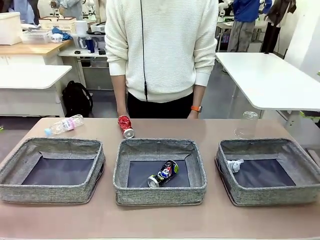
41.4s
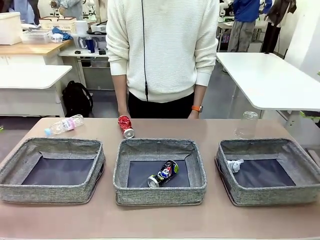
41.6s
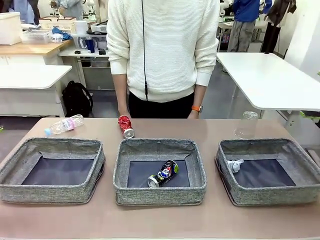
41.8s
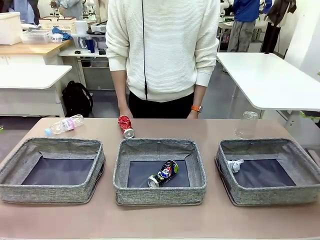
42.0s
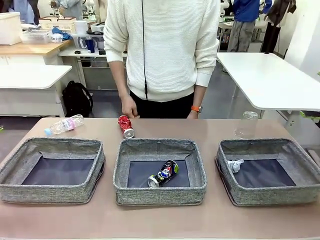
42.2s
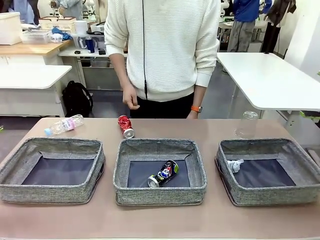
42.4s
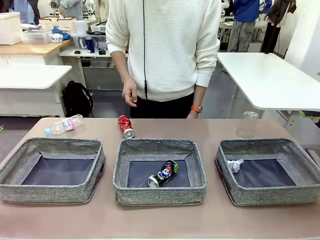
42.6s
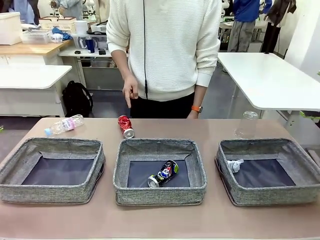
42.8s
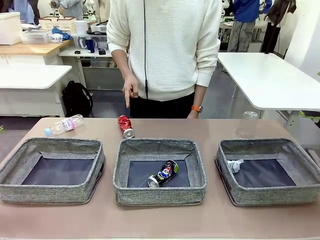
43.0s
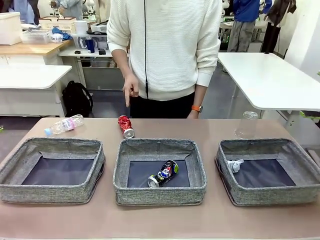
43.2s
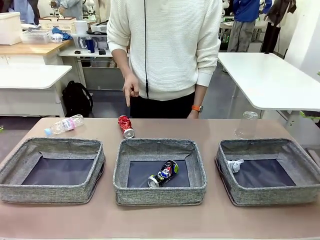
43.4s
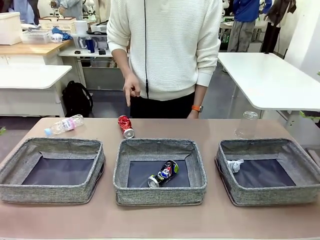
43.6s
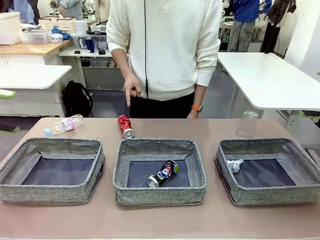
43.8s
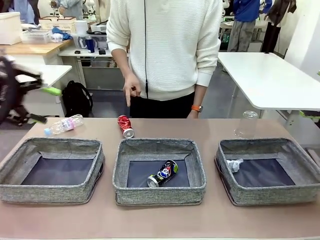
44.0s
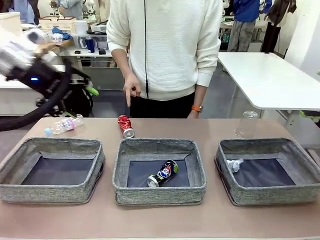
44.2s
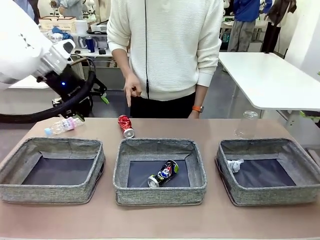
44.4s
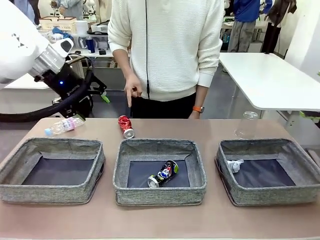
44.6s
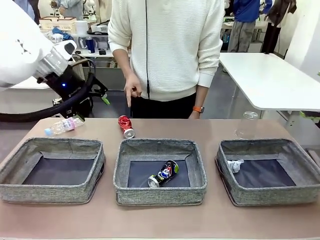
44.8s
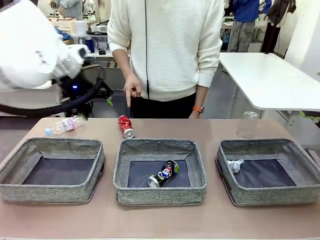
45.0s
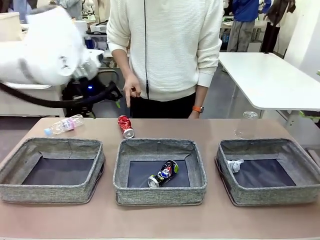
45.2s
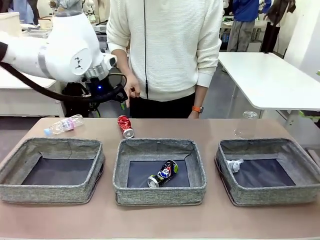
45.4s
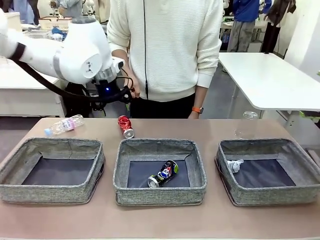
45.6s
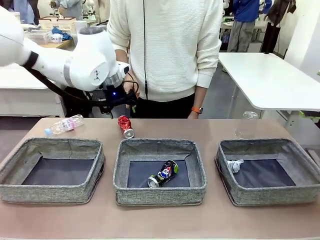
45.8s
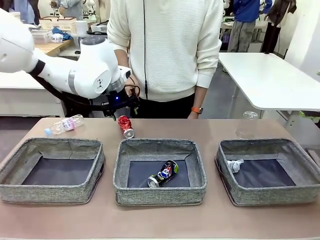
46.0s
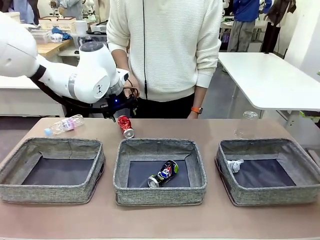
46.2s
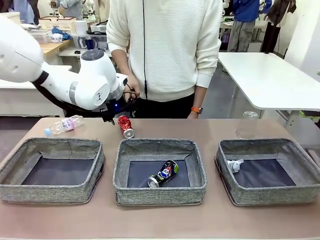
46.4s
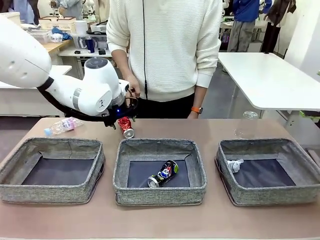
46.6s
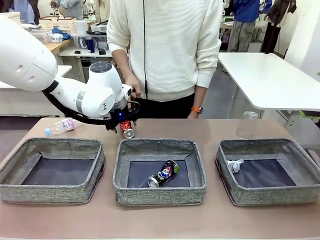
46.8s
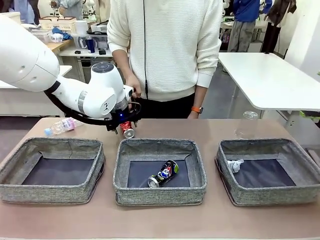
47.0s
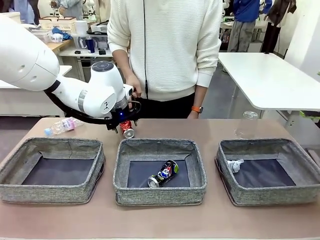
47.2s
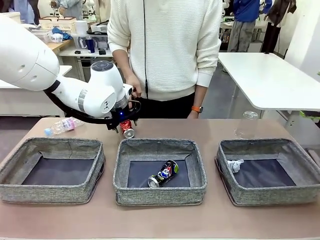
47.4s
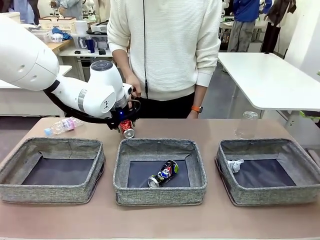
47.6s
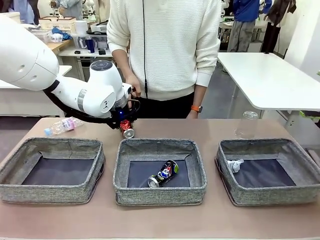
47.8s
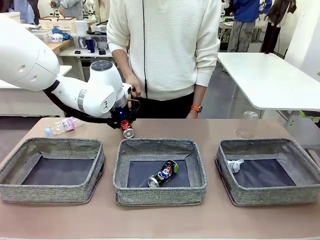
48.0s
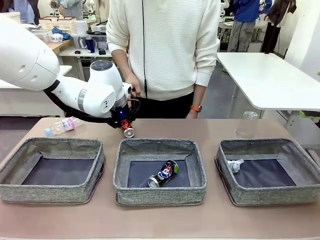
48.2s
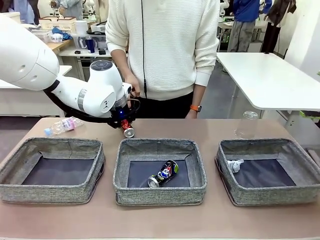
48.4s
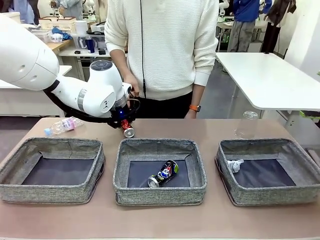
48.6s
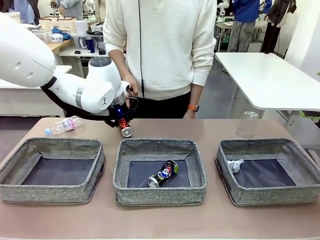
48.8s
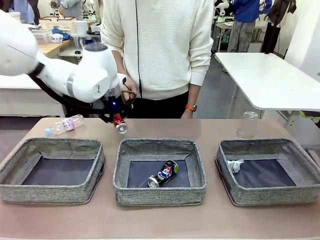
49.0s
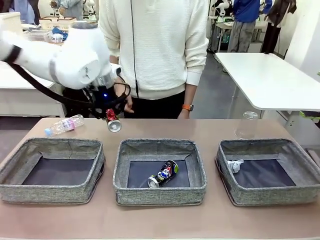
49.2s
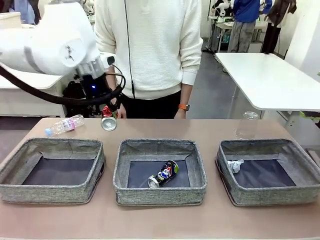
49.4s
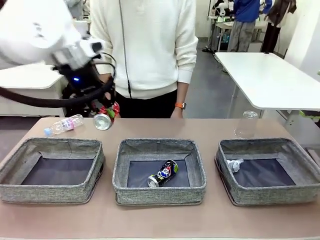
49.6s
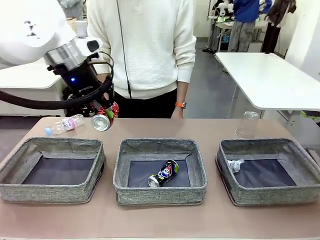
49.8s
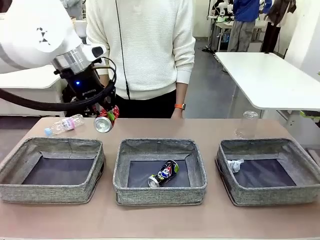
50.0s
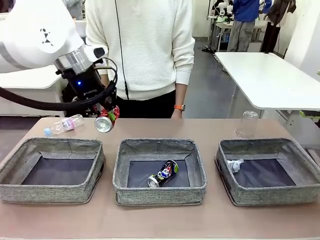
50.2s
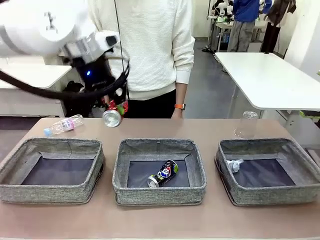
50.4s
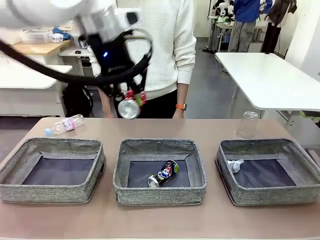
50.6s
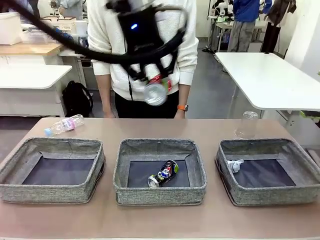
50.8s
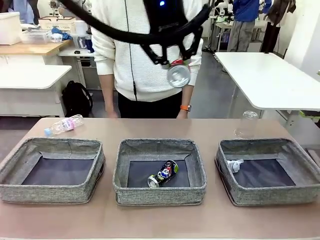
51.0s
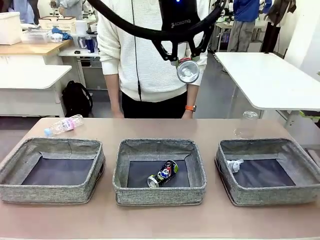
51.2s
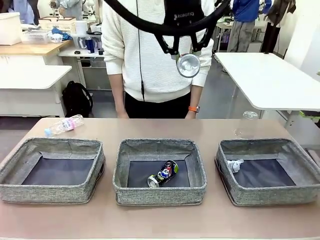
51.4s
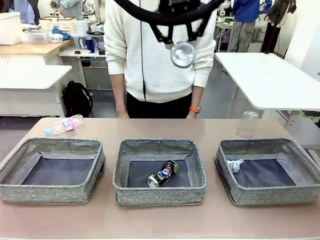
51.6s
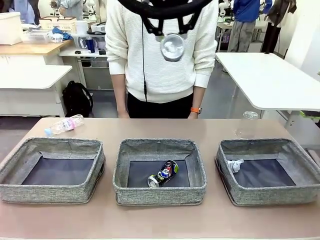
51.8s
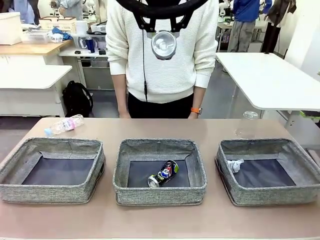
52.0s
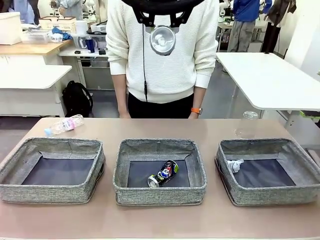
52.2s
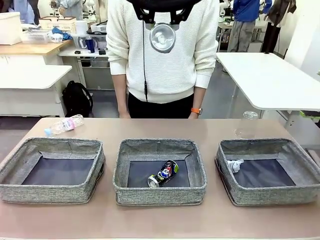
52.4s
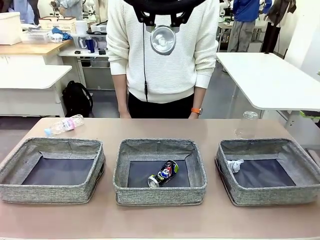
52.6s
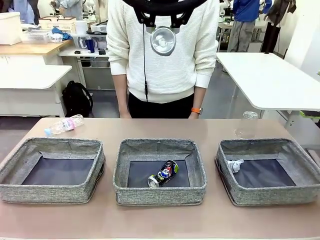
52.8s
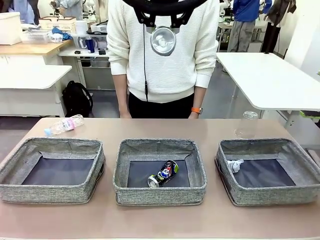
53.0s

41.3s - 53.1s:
Task: Sort the waste into the appropriate baskets.
Robot: Pick up the waste item pointed out by the person.
Person: Points to one piece of trash on the table.

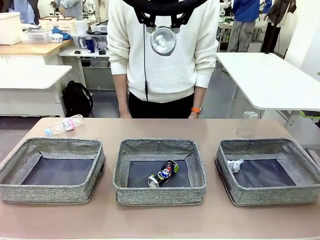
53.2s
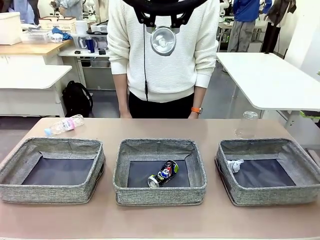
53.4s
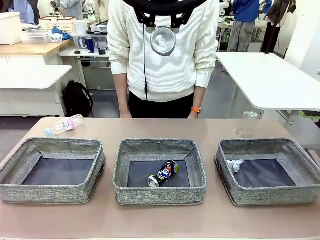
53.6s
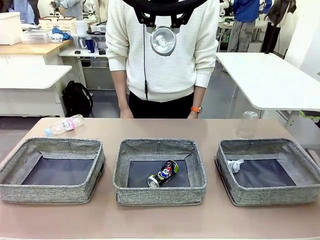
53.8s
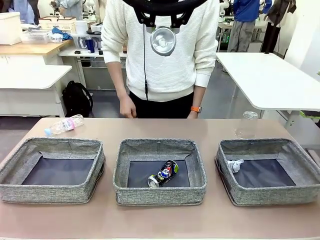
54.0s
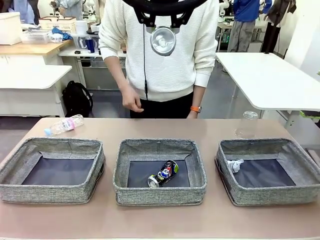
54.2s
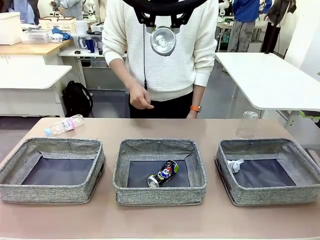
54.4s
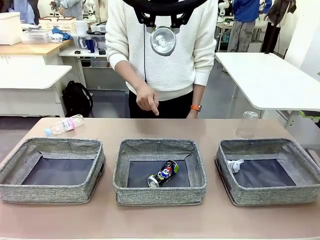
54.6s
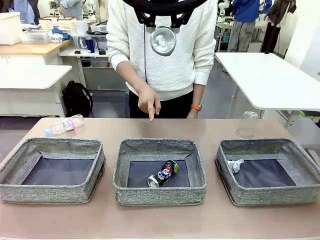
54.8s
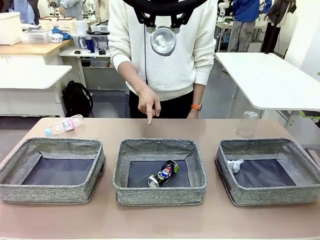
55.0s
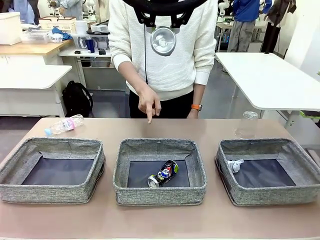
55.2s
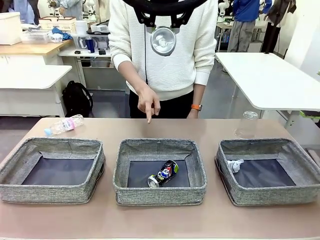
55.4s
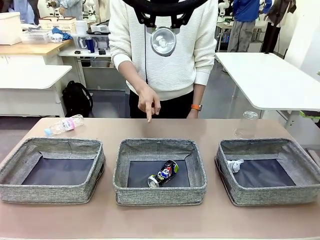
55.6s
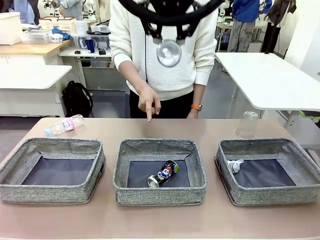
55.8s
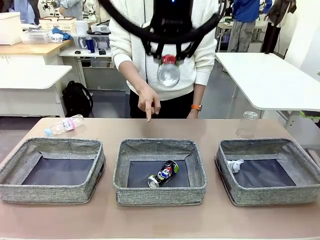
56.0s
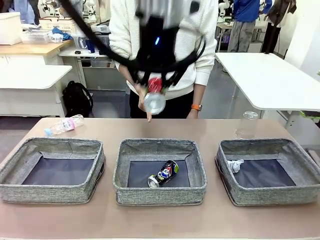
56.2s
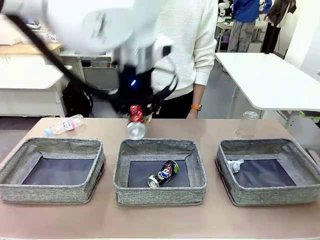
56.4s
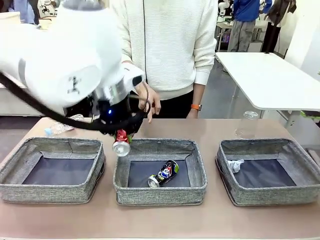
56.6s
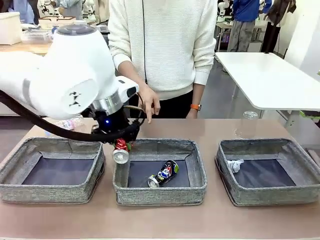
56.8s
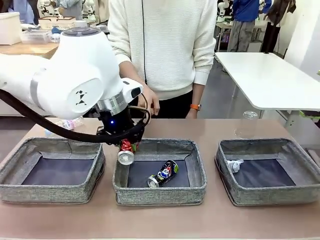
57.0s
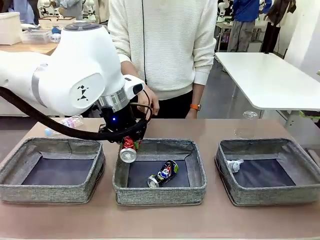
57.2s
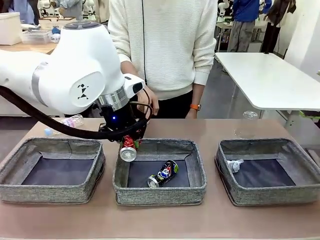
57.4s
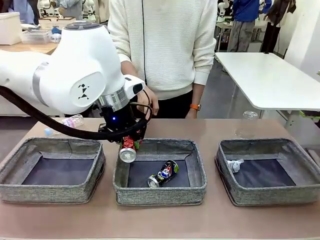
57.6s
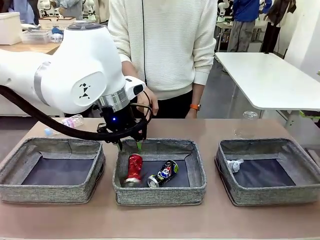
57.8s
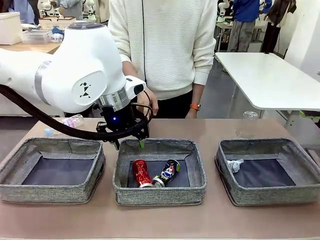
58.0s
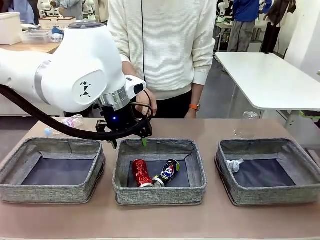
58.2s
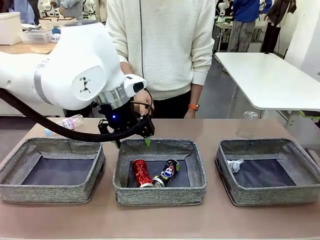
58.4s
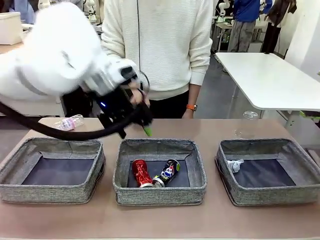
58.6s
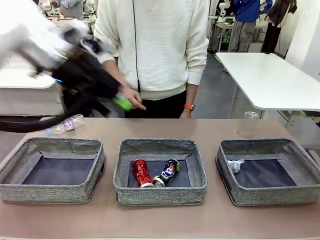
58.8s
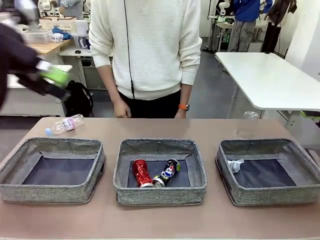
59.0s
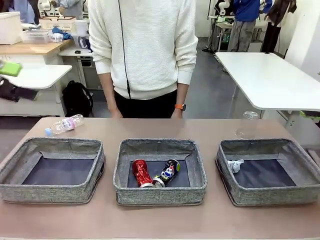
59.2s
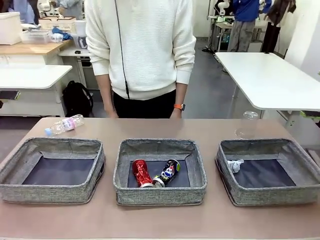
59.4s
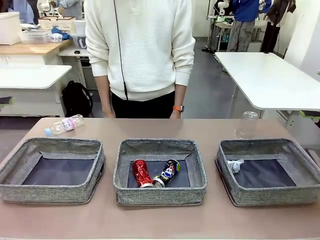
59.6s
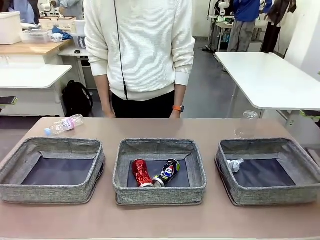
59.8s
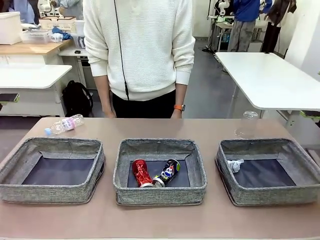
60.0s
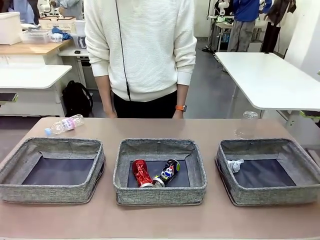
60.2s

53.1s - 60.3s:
Robot: Place the picked waste into the Fabric basket indicated by the person.
Person: Instructs the robot to place the picked-up trash into the appropriate organizing basket.
